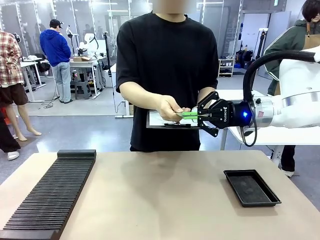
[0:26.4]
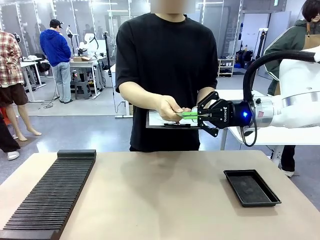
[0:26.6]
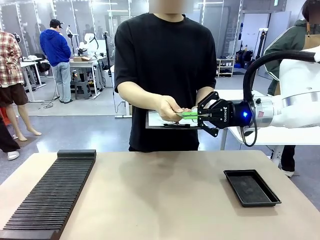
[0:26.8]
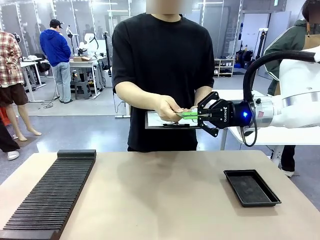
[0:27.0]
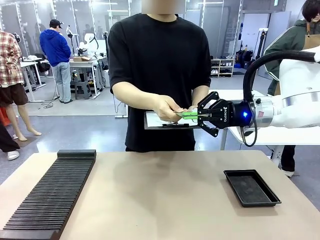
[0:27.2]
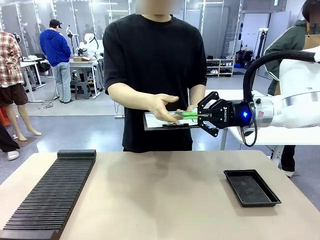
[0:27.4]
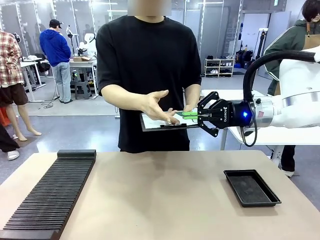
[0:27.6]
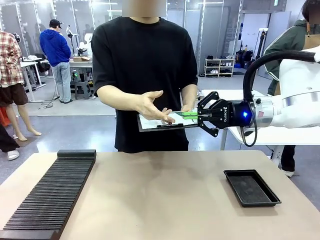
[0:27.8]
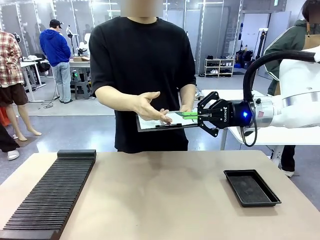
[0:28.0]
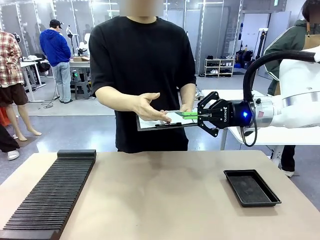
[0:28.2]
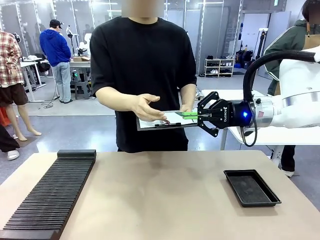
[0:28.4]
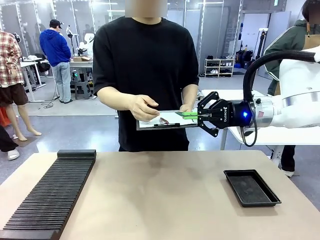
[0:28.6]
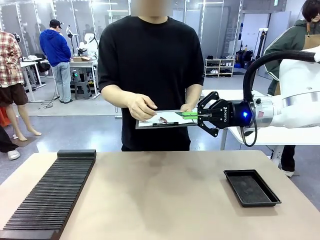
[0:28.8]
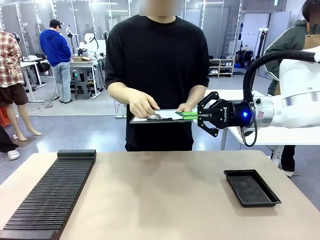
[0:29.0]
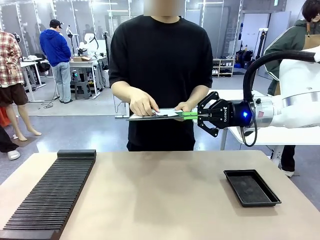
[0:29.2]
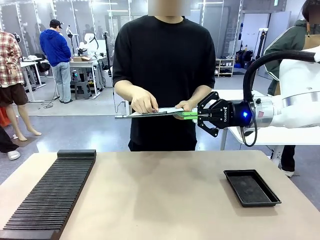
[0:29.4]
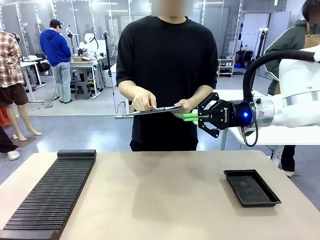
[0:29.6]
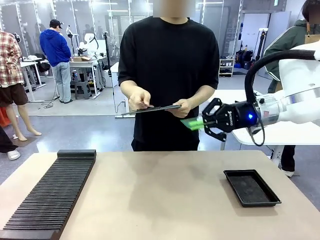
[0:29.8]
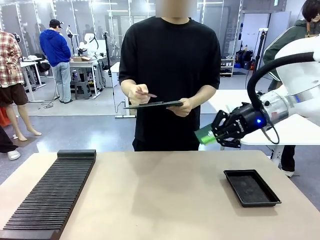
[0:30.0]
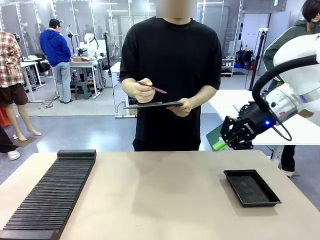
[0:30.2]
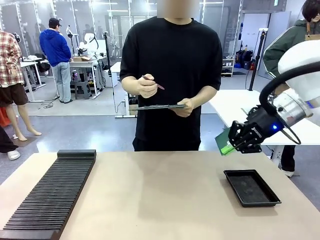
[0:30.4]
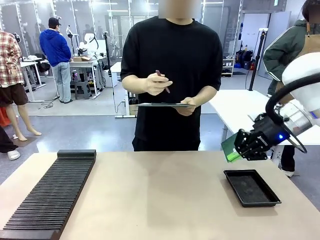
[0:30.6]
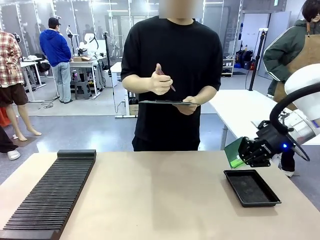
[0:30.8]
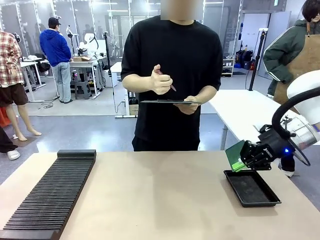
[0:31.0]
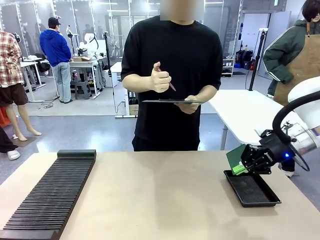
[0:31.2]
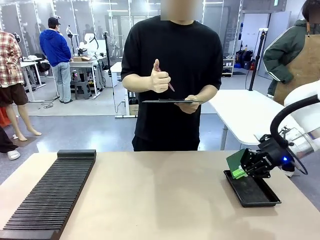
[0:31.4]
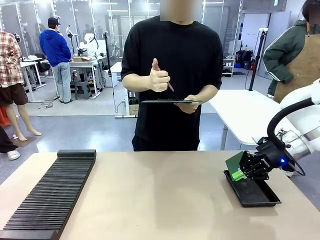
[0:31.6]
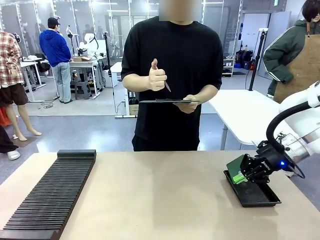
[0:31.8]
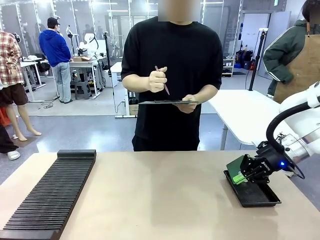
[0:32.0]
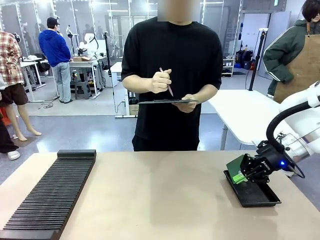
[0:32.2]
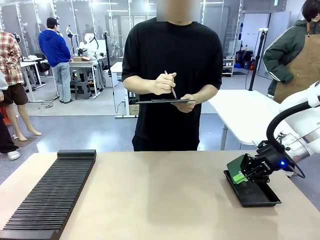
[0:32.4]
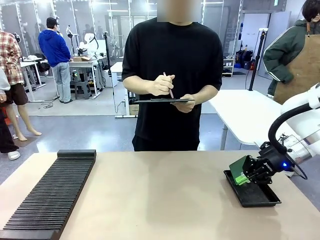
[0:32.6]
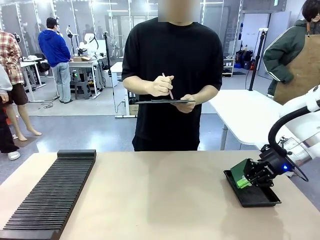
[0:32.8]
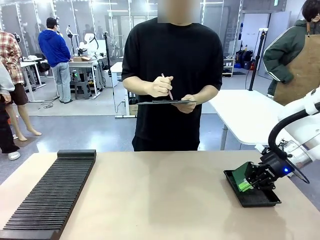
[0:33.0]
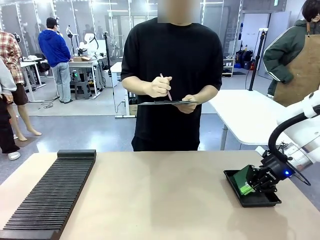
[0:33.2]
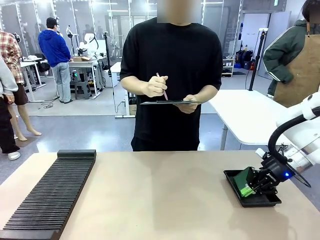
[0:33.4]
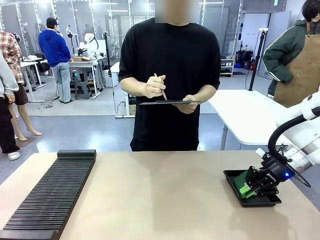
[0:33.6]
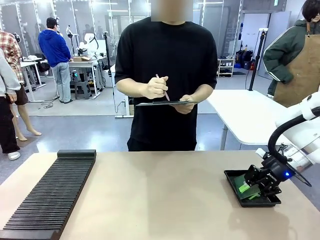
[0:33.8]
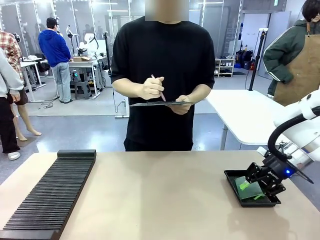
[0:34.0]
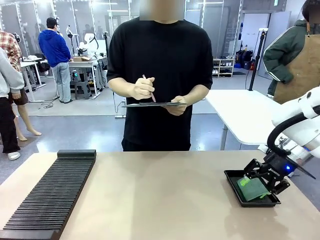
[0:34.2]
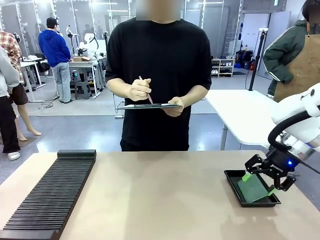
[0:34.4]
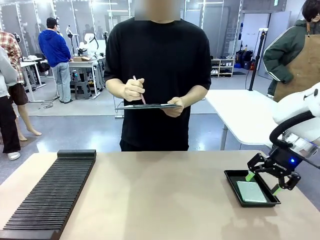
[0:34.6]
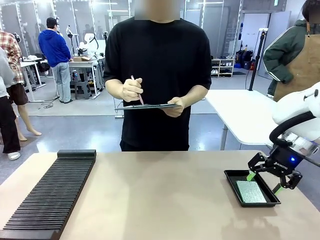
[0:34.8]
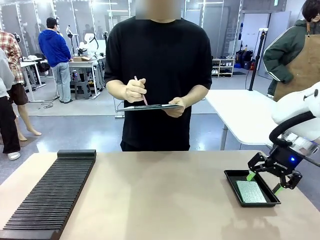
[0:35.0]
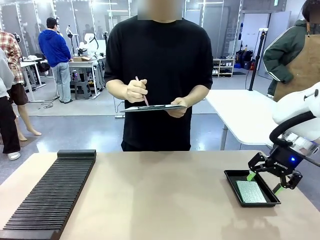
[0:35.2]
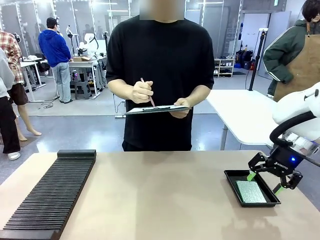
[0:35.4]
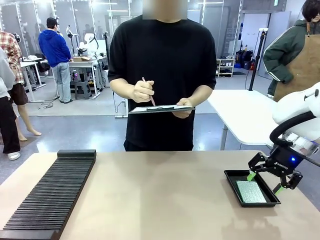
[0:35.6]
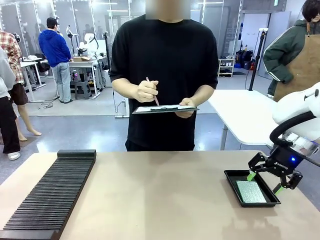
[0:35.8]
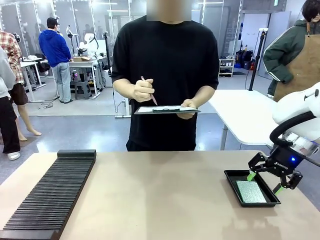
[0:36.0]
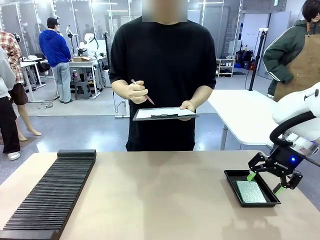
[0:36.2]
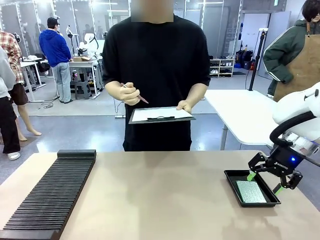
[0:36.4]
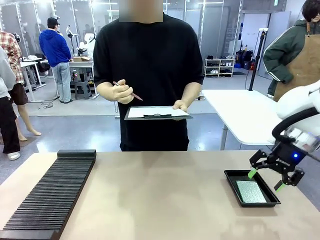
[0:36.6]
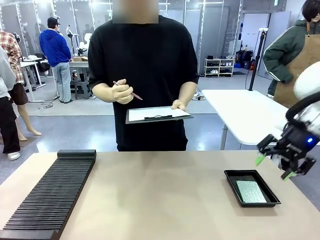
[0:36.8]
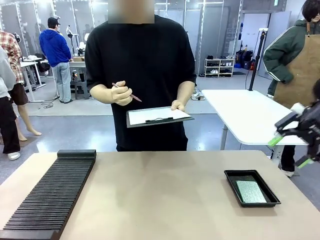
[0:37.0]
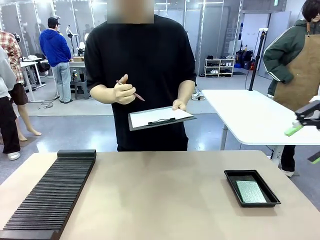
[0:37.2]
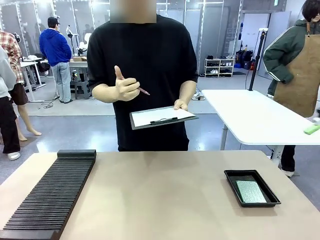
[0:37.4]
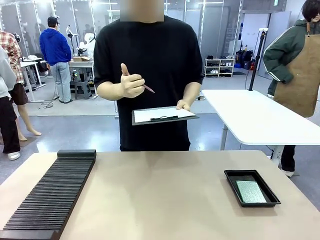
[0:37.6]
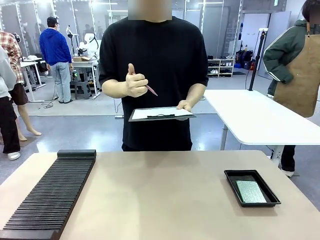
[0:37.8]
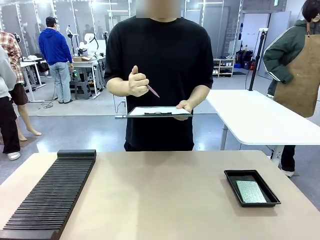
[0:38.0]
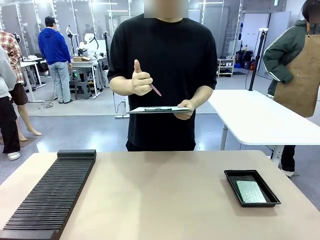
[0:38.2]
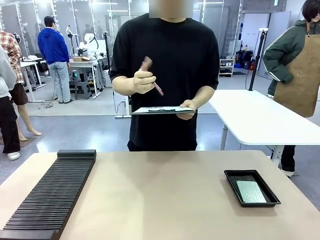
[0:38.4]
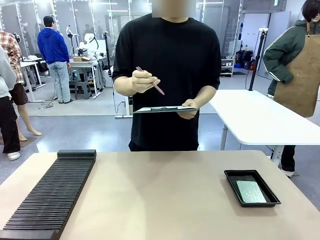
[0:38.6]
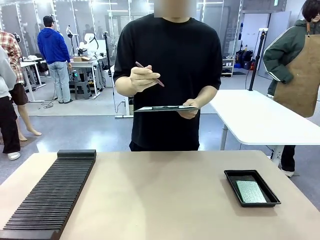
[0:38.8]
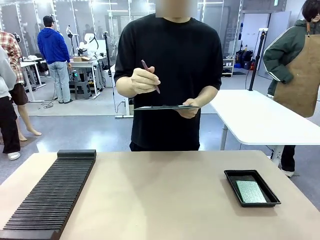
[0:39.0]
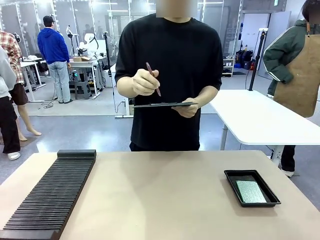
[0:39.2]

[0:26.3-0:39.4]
Task: Inspect the PCB.
Robot: Place the Blank PCB in the ESD tray.
Person: Record the PCB status on the paper.

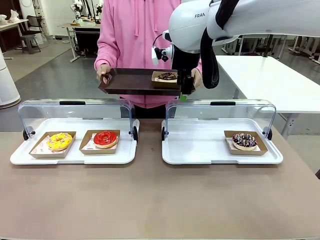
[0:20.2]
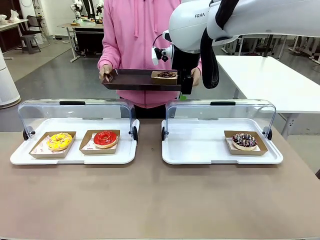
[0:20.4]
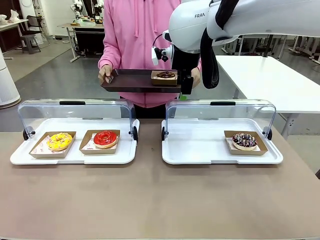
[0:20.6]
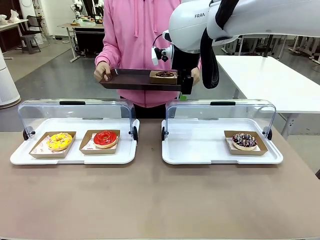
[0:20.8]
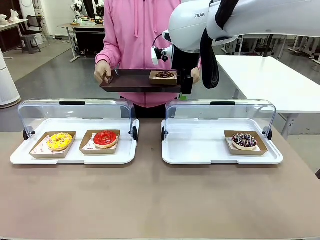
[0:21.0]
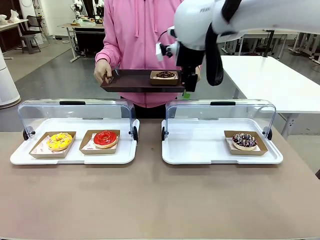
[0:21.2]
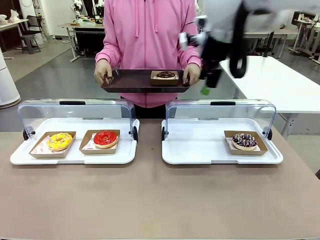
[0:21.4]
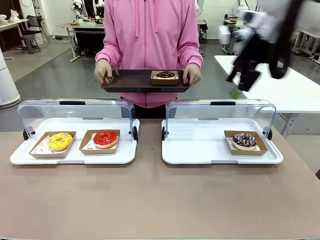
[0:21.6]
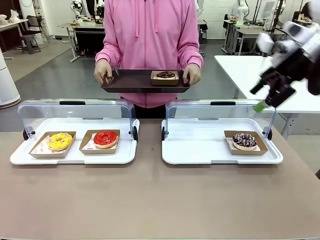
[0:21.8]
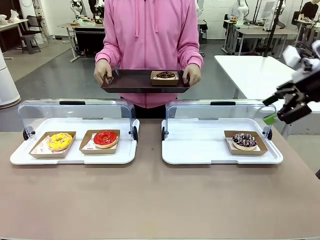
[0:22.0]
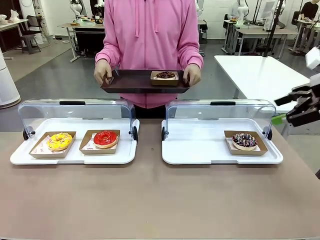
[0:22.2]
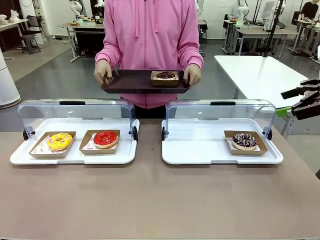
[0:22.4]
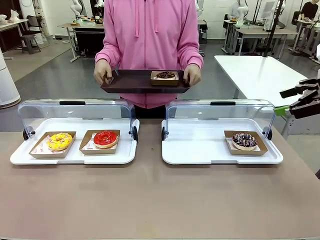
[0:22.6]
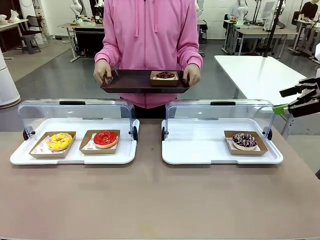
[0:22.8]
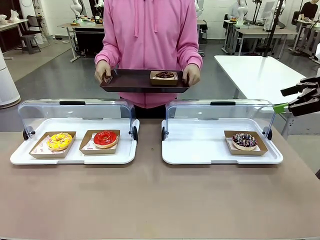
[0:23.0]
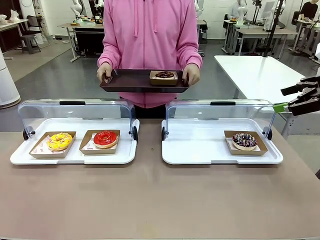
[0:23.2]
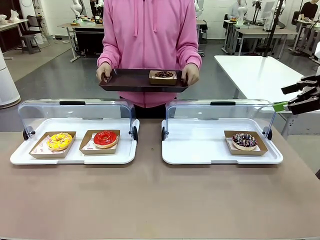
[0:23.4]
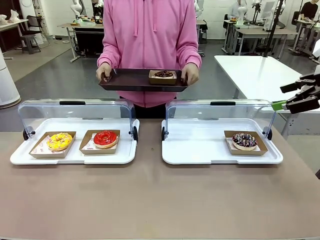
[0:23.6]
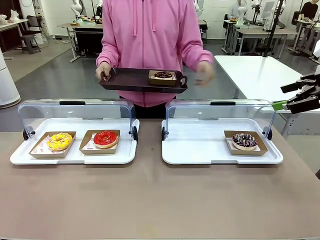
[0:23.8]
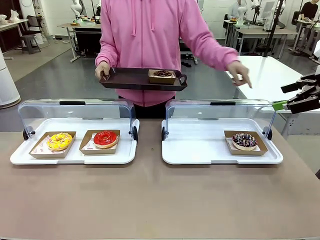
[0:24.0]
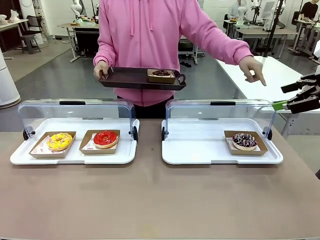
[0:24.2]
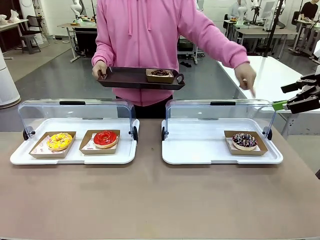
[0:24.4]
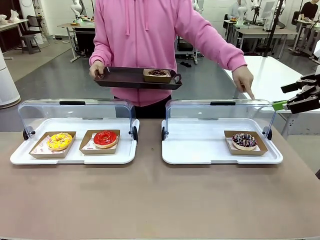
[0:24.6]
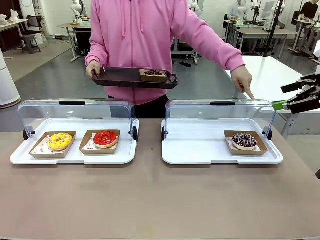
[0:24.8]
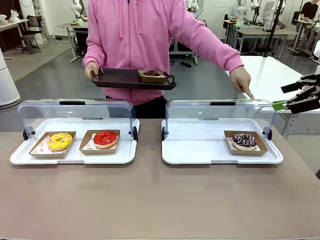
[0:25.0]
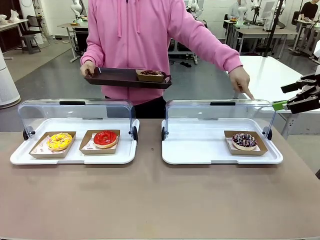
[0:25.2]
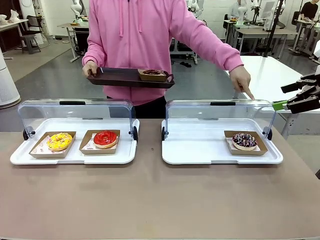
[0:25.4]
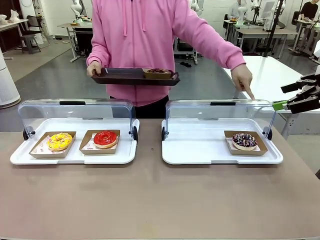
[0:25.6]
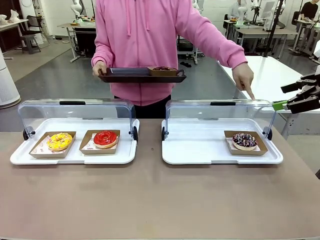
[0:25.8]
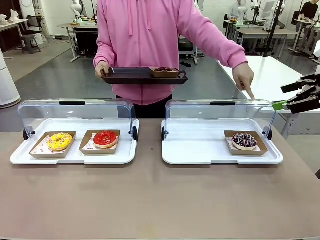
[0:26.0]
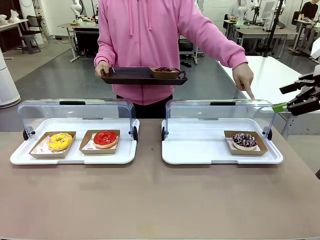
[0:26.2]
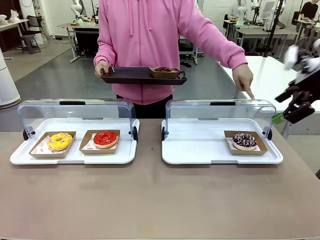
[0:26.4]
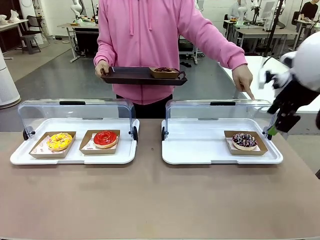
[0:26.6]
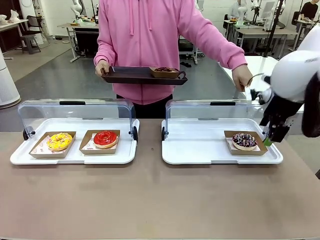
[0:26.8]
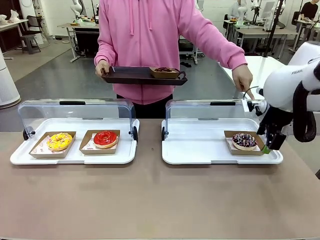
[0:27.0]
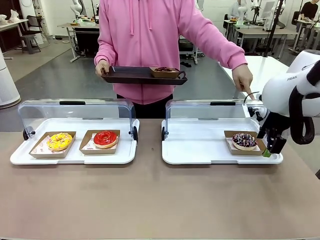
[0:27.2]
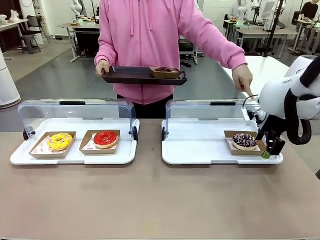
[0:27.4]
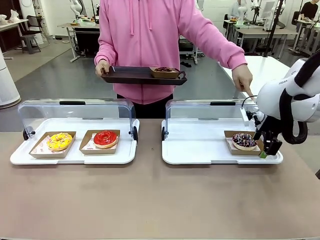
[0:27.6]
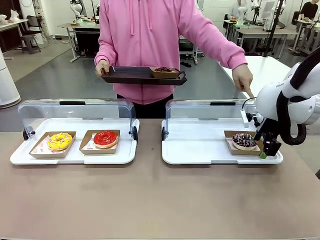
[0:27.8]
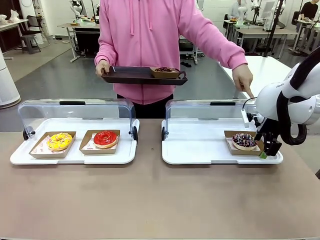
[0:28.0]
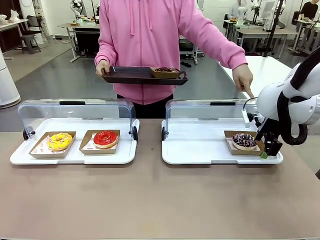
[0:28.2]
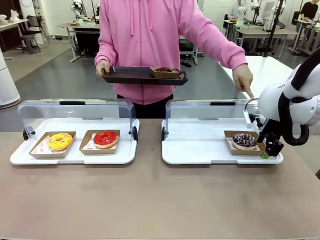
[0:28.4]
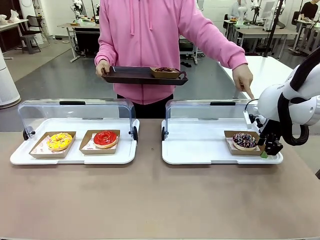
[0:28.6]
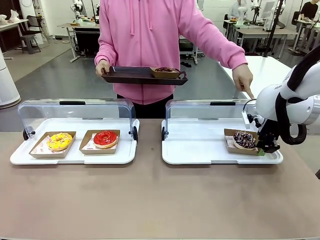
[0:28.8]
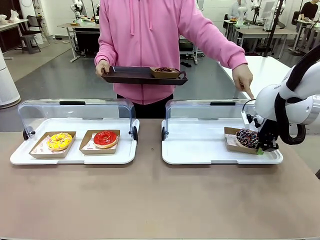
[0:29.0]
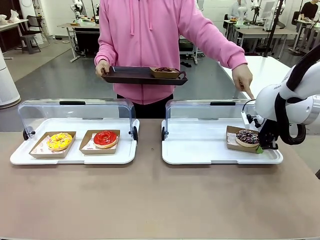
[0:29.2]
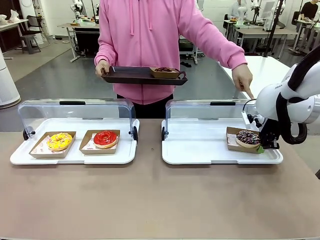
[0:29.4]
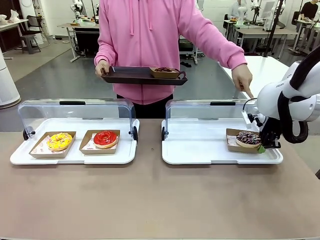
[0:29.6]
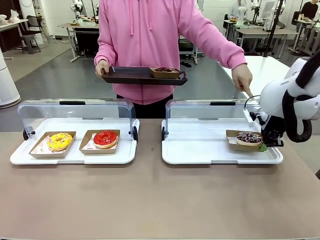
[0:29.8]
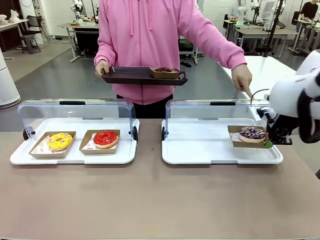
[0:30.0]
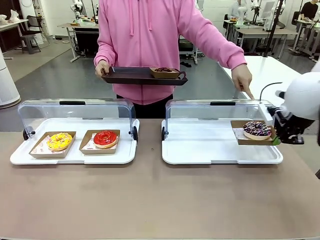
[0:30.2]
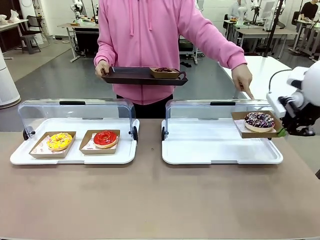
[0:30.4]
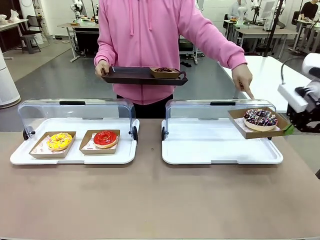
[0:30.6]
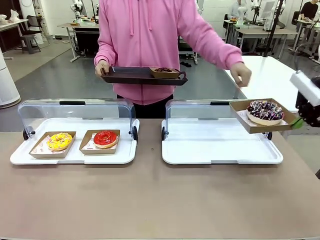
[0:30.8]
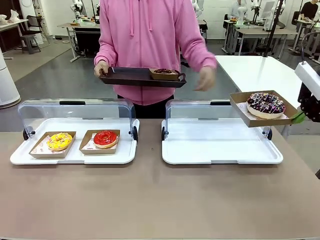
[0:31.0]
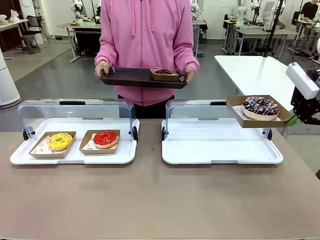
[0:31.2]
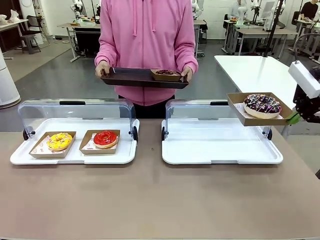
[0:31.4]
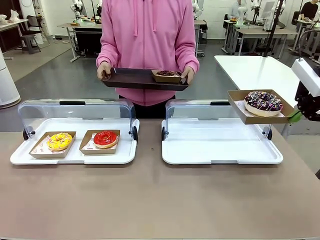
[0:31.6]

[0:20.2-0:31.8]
Task: Provide the desired donut to the person.
Robot: Pick up and lift the Paper togo box containing the Donut pointed at by the person.
Person: Point to one donut. Lift the tray onto the Roll-Top Bakery Case.
